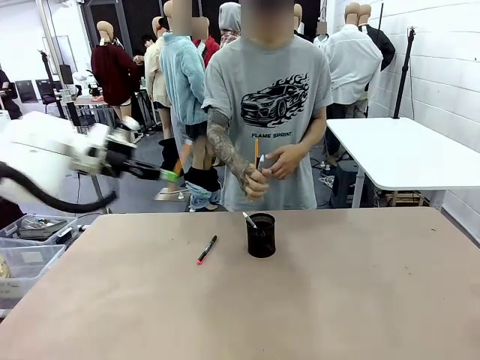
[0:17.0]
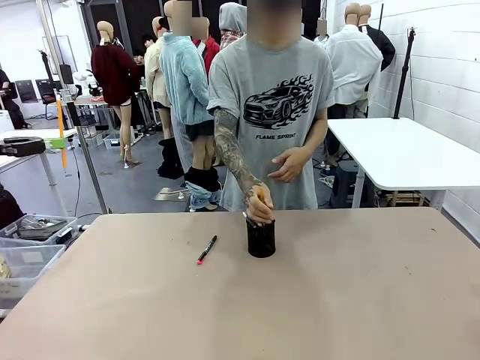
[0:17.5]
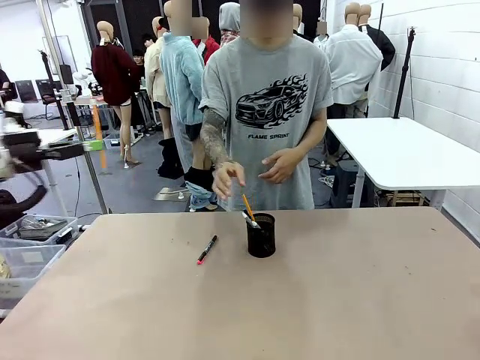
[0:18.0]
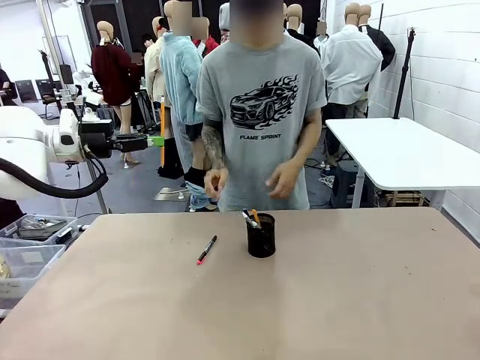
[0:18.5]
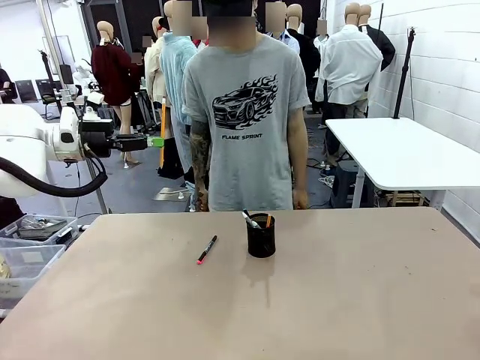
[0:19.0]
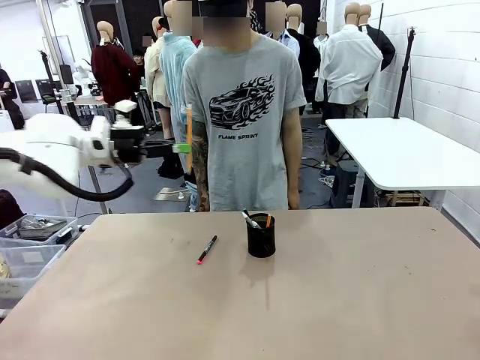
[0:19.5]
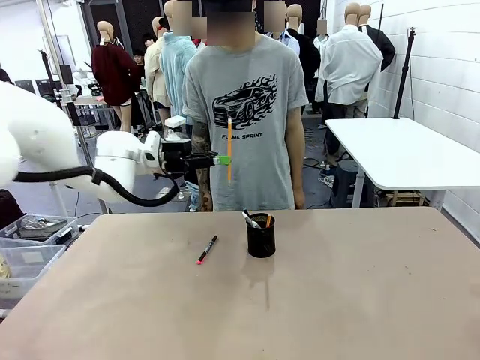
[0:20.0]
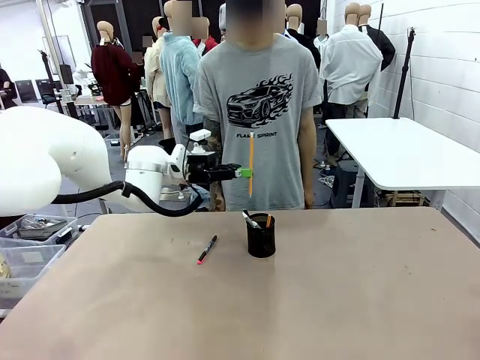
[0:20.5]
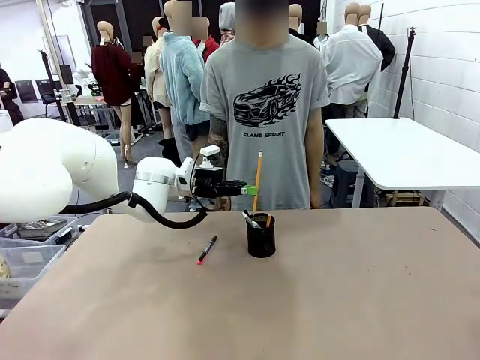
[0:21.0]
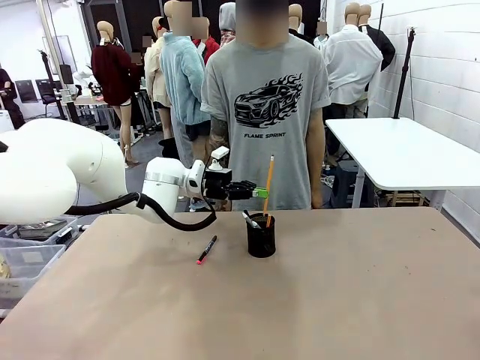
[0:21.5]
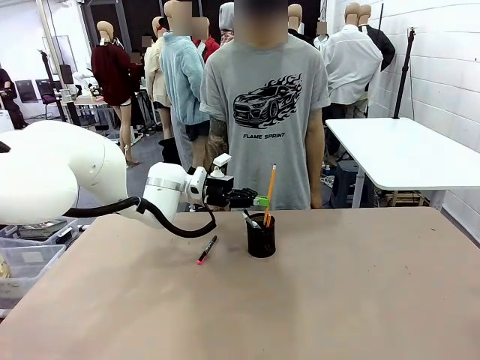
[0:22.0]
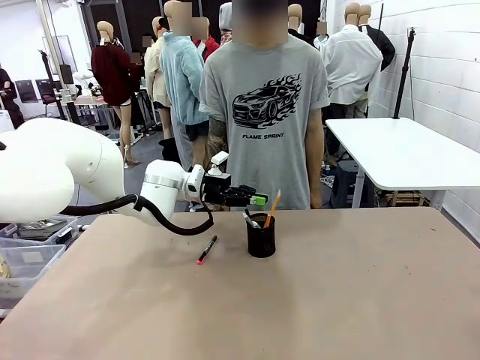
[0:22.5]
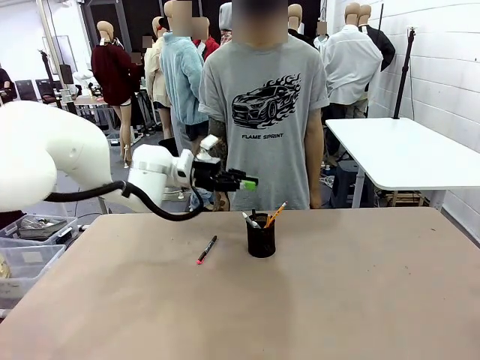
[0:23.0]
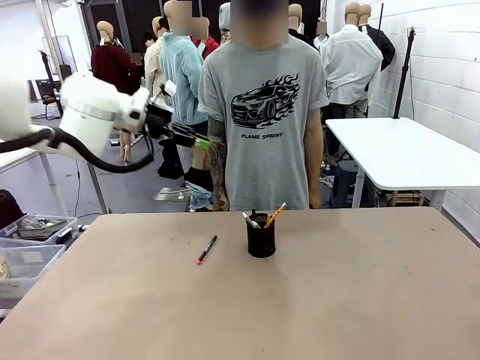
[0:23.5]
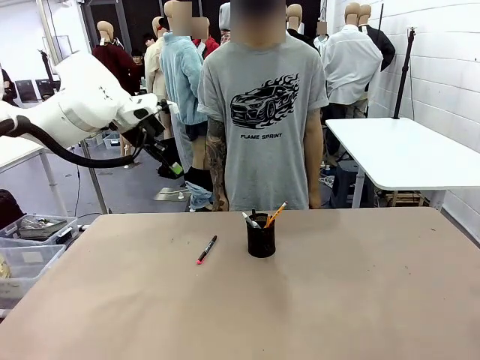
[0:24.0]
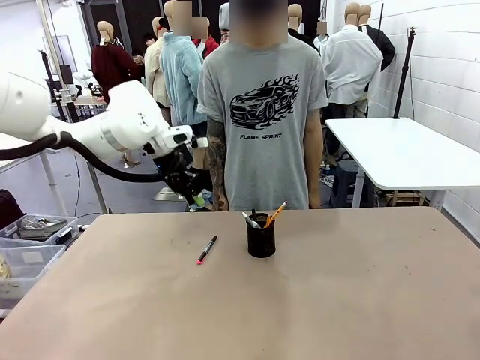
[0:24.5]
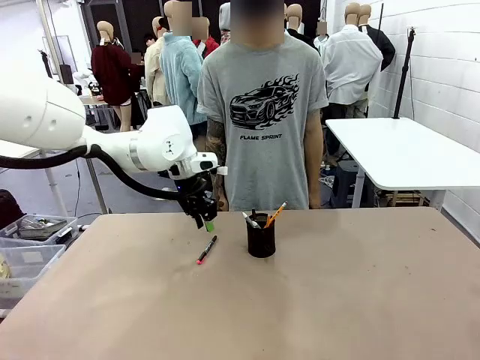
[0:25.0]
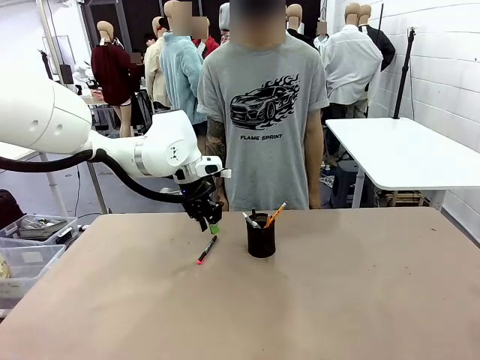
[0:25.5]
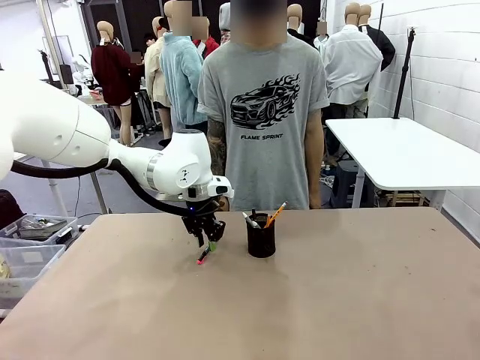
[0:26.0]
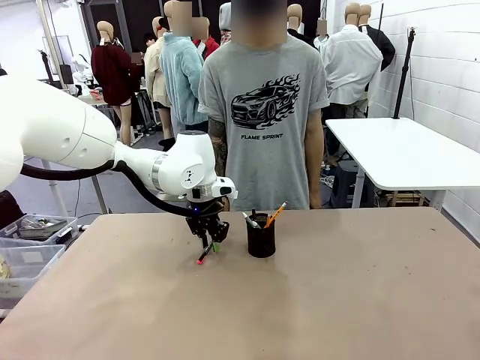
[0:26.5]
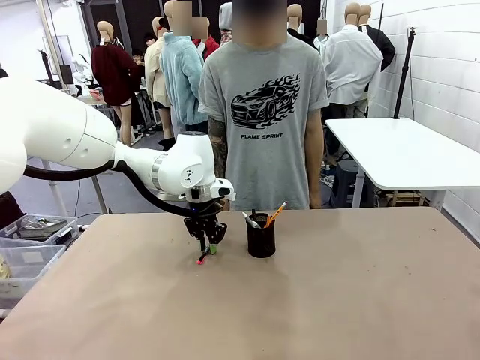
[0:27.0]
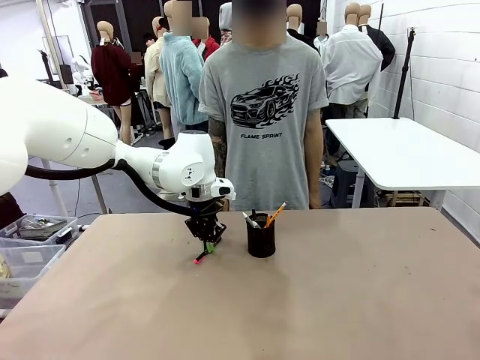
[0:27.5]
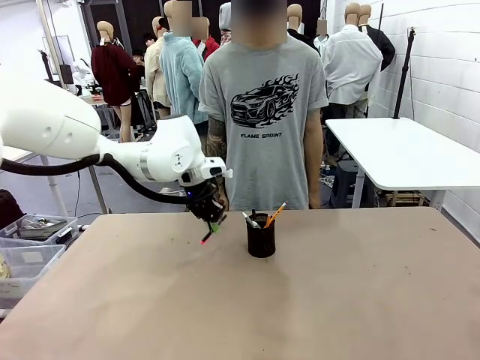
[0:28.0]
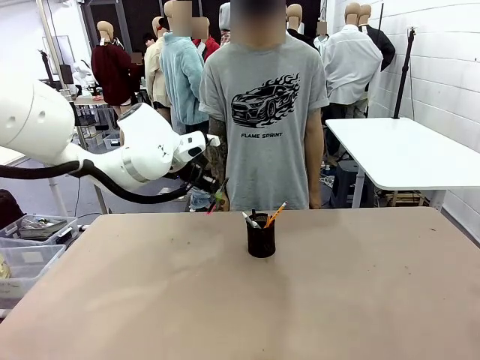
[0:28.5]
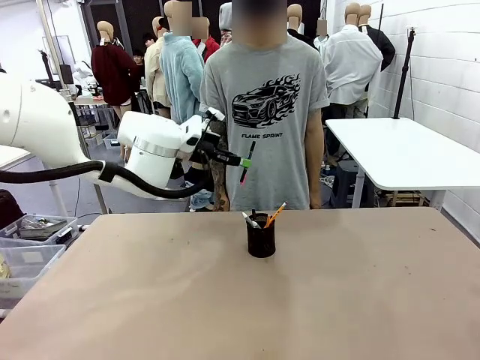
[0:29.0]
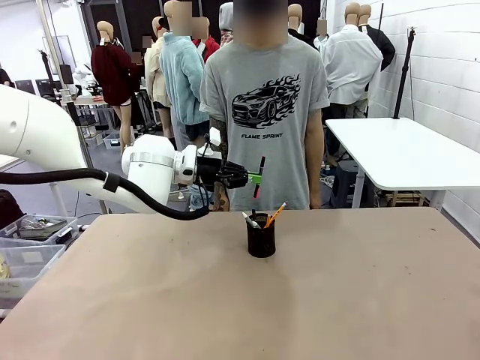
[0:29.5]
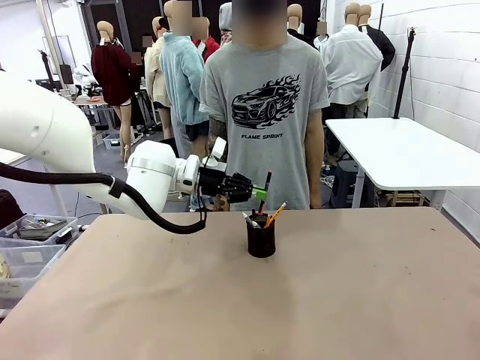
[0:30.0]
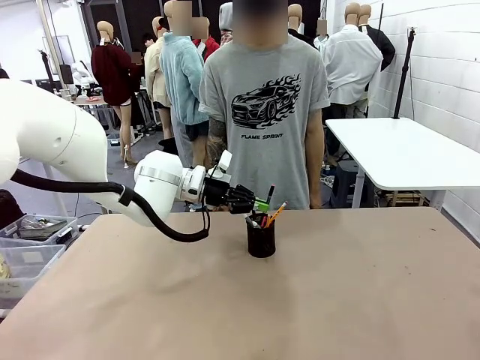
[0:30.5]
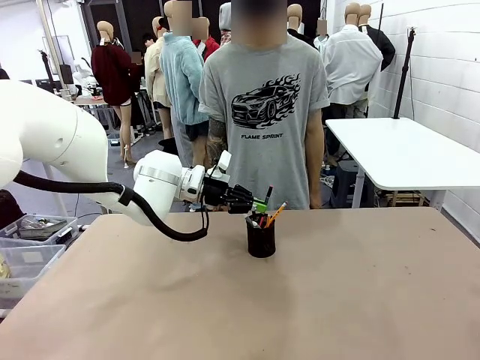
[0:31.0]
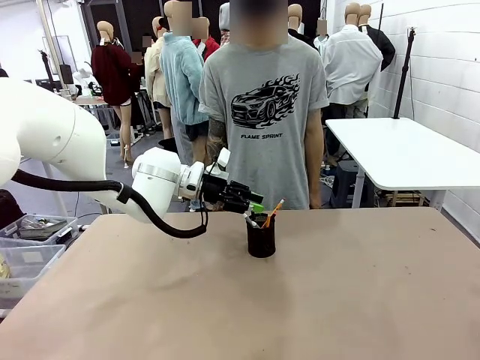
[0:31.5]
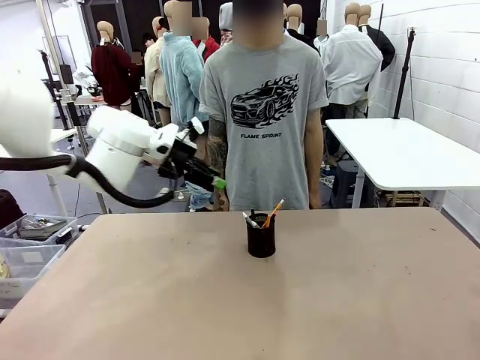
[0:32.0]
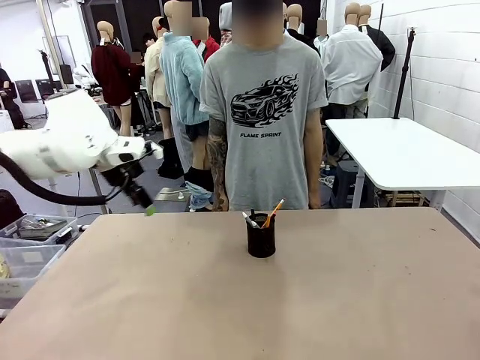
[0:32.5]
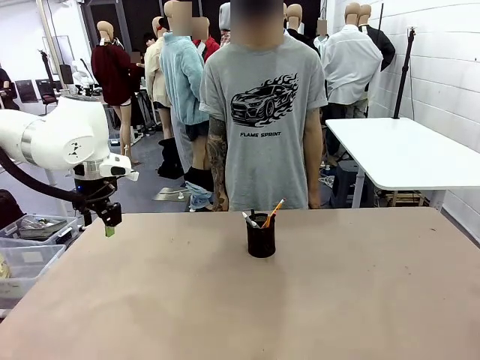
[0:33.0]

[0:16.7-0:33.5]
Task: Place the pens into the pen holder.
Robot: Pick up a writing instrument from the table and place it into the Pen holder.
Person: Place all writing instrument into the Pen holder.

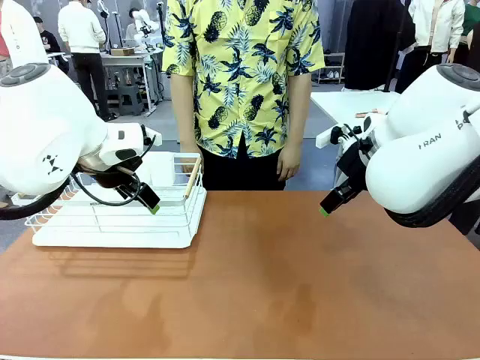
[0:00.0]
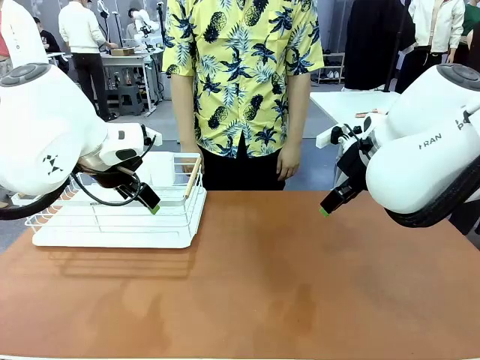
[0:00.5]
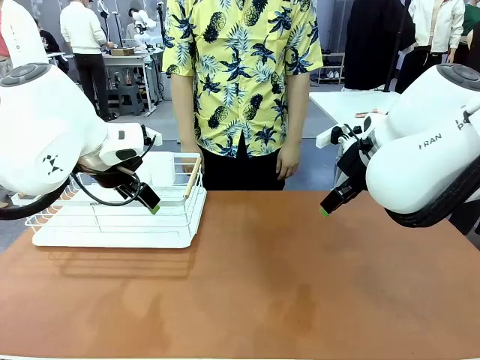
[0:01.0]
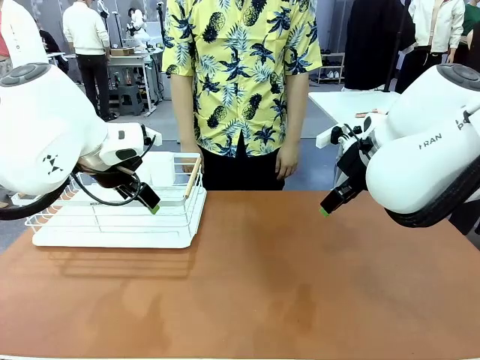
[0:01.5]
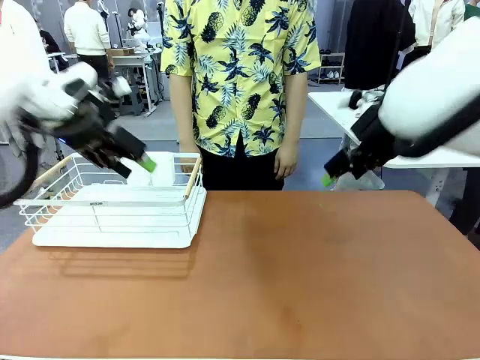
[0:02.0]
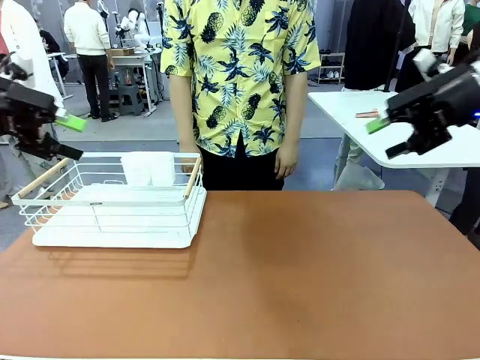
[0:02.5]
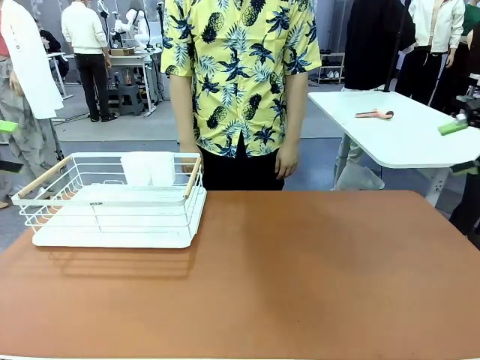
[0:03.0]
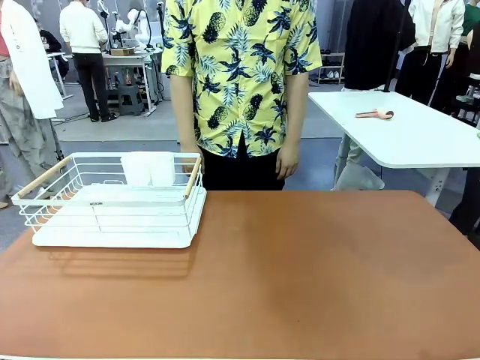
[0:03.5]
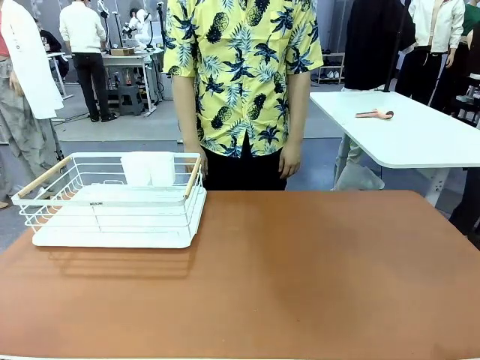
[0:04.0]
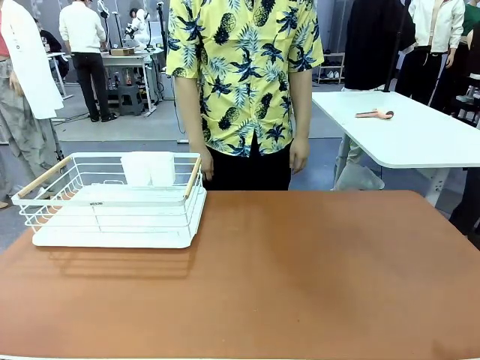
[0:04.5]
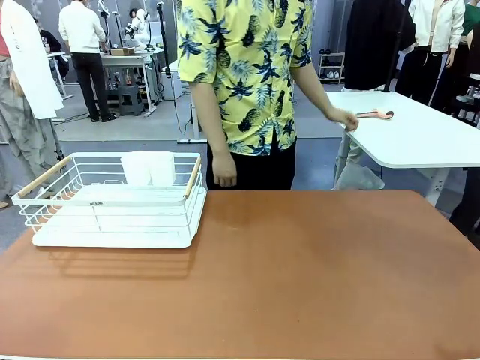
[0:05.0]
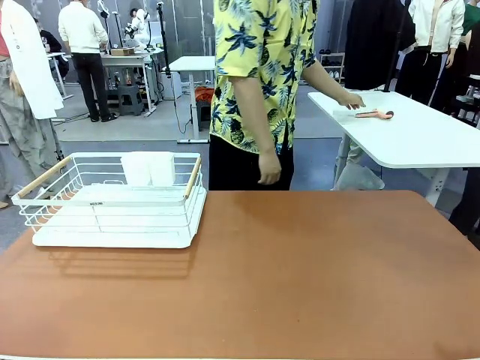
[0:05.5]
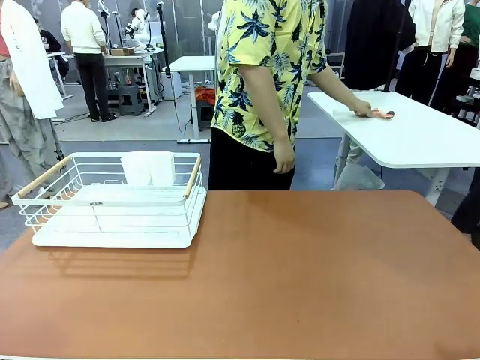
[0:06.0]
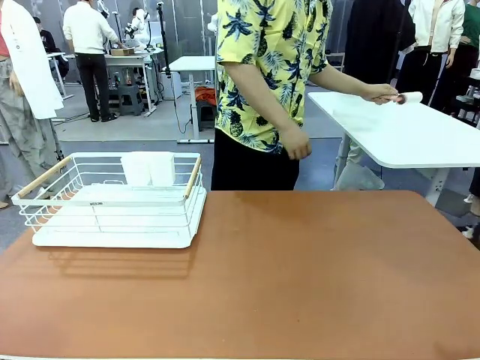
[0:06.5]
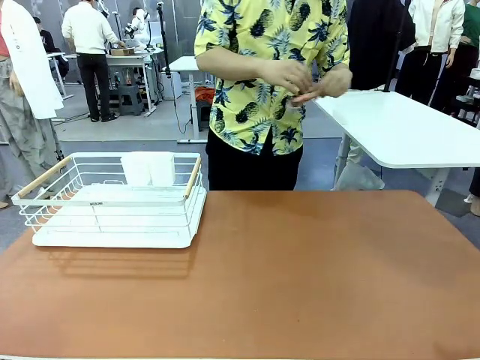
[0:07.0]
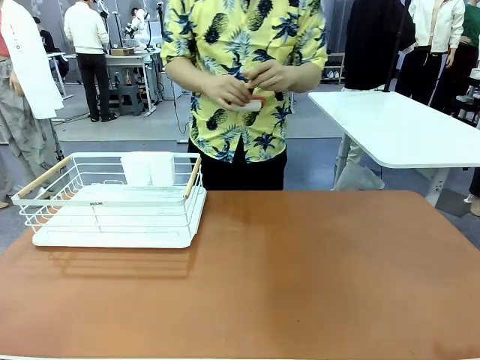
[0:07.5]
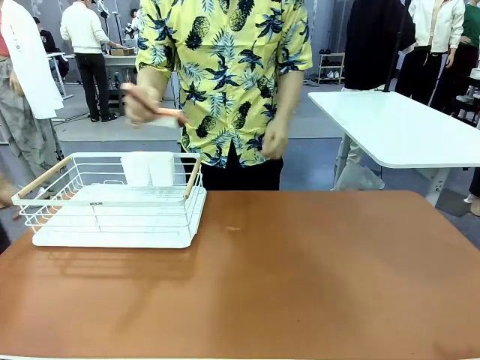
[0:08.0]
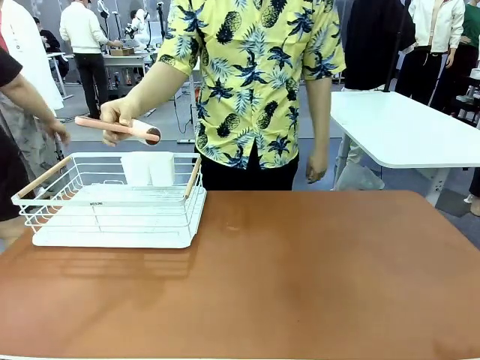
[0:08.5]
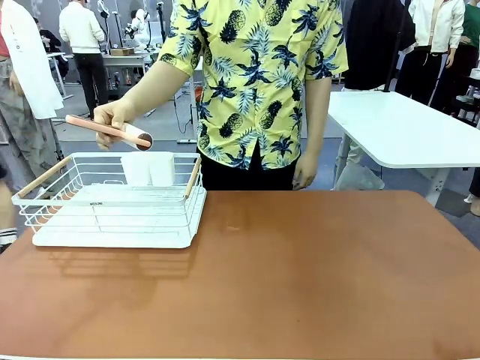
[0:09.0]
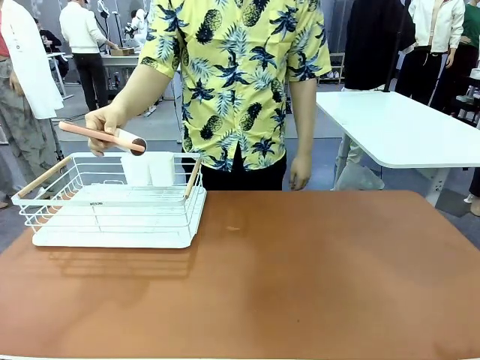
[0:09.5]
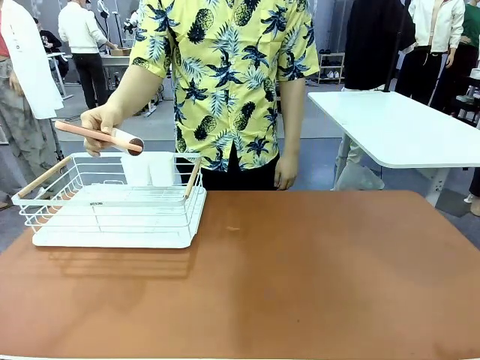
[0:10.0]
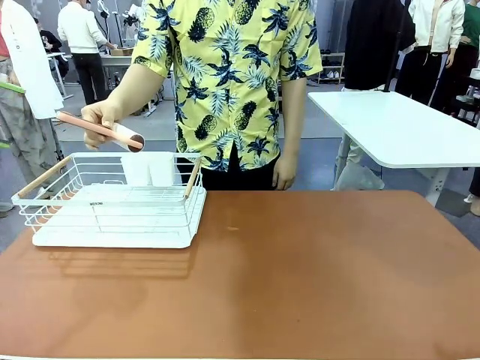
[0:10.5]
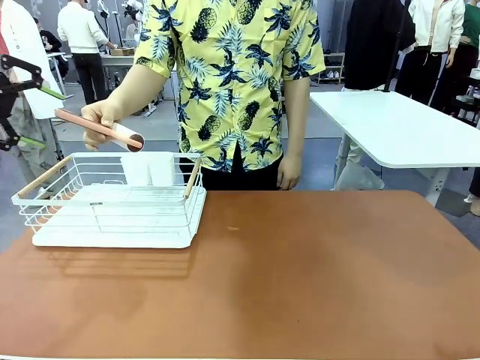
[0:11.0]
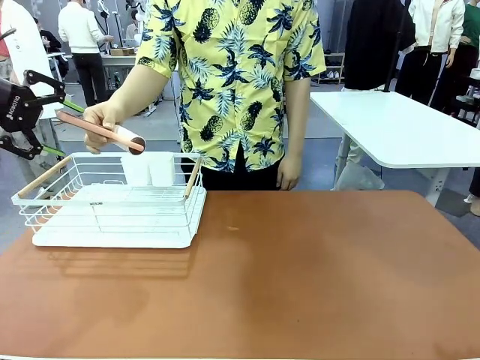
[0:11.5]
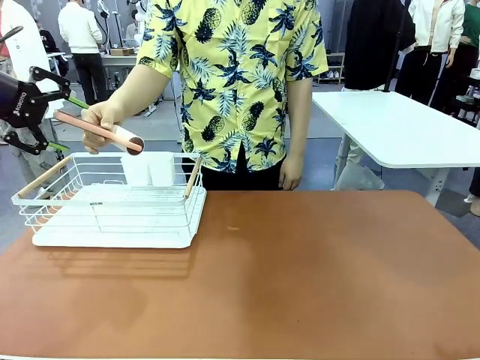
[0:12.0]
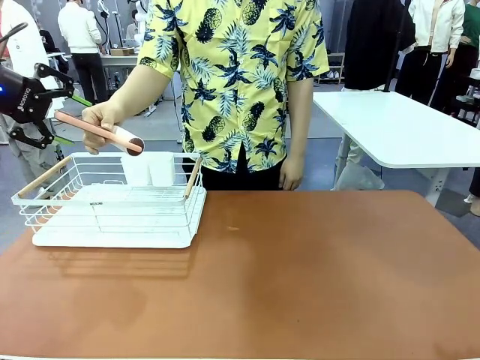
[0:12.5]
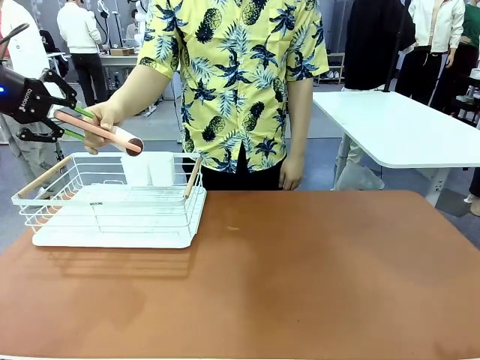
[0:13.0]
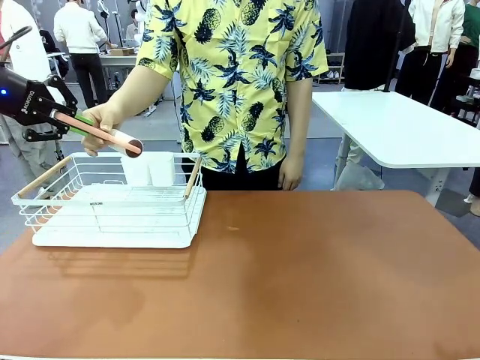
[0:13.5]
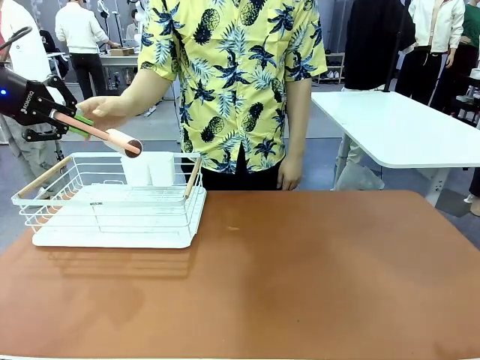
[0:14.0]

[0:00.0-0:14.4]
Task: Clean the table.
Robot: Pick up the Lint Roller when the human hands it over.
Person: Hand the Lint Roller to the robot so it can easily pick it up. Lift the Dish drying rack.
